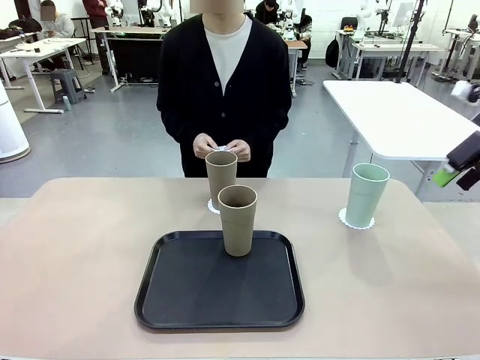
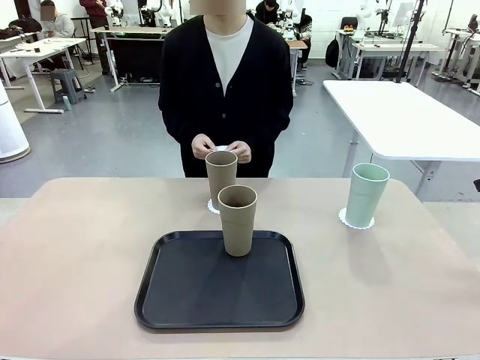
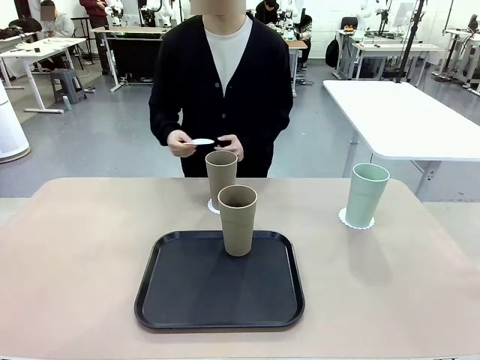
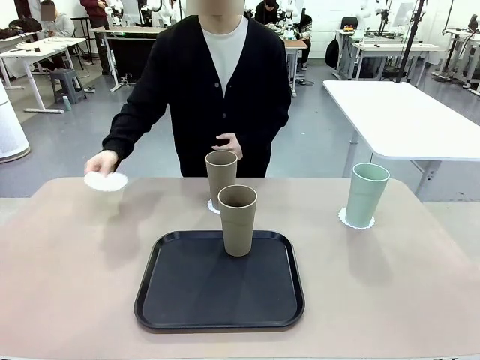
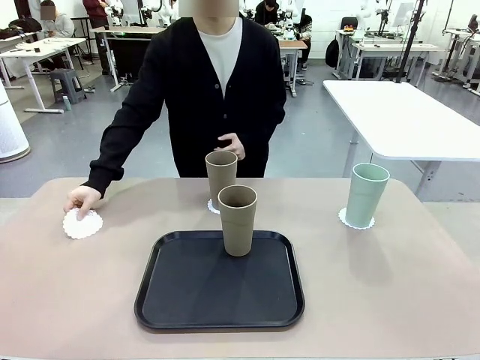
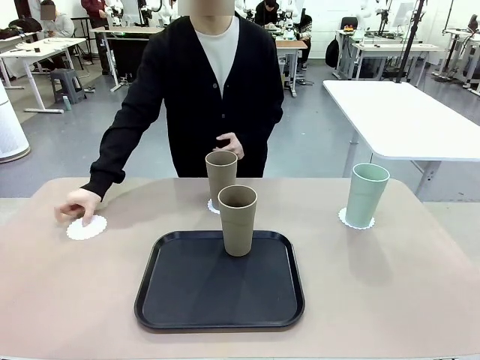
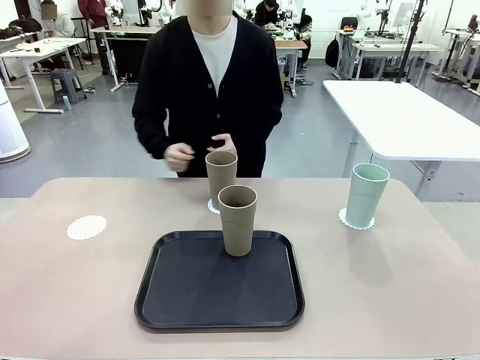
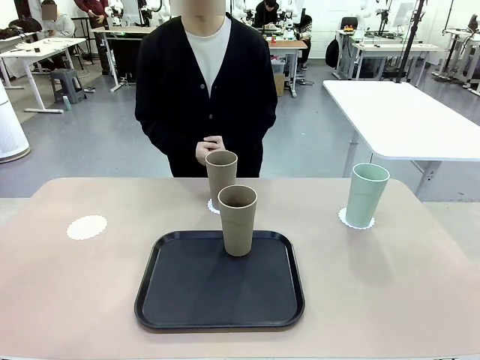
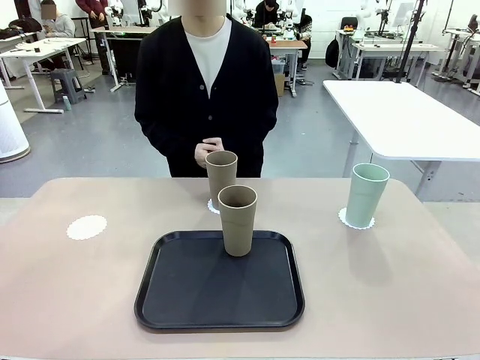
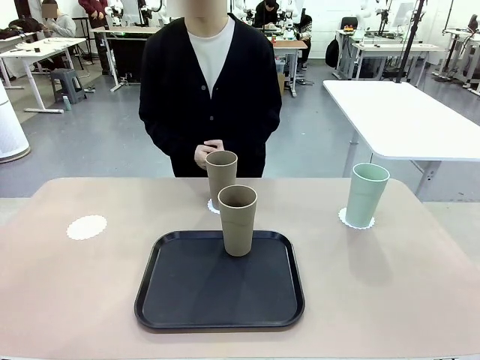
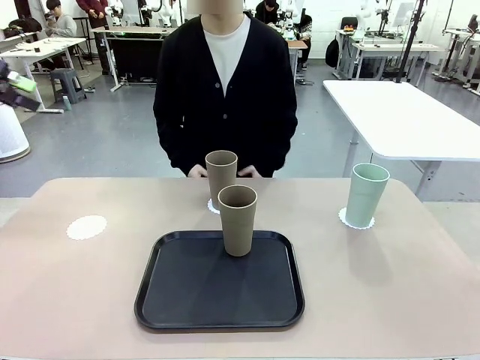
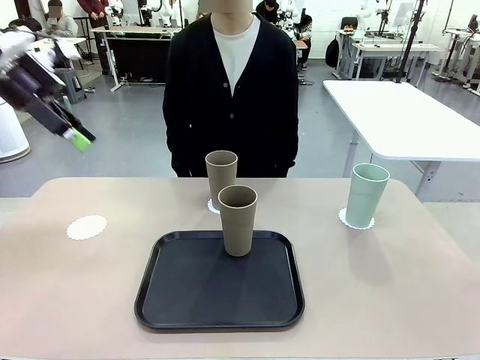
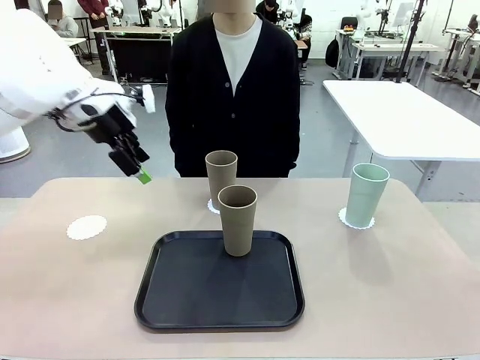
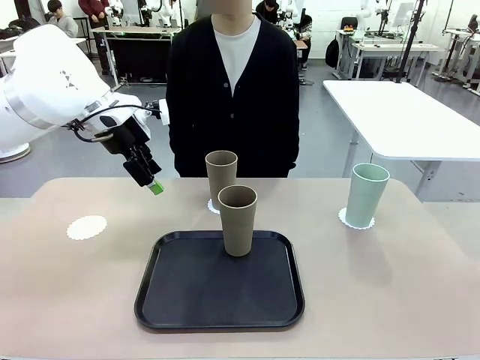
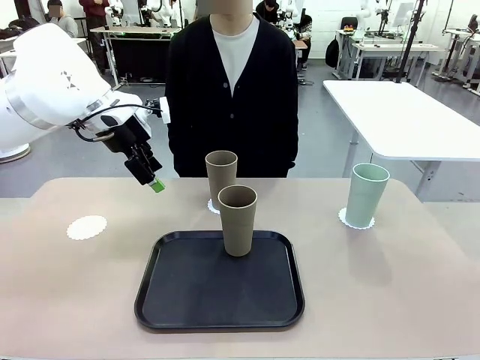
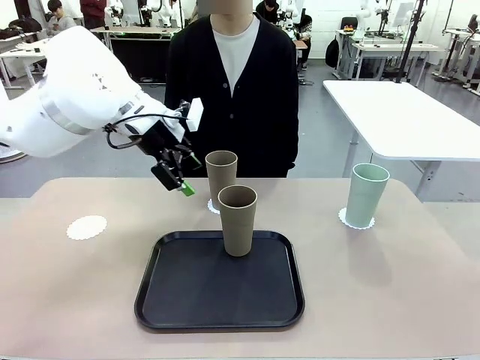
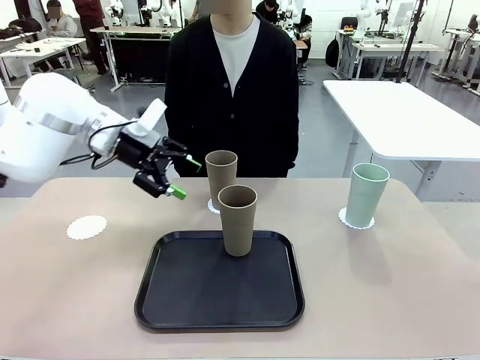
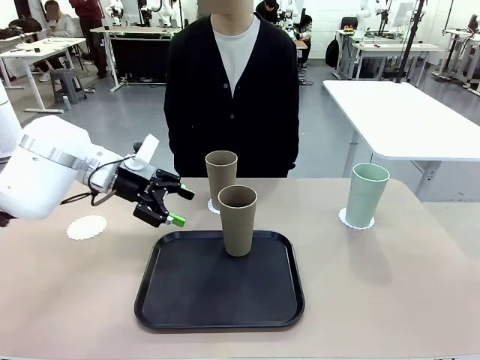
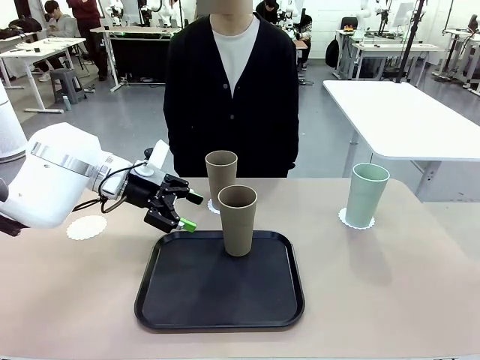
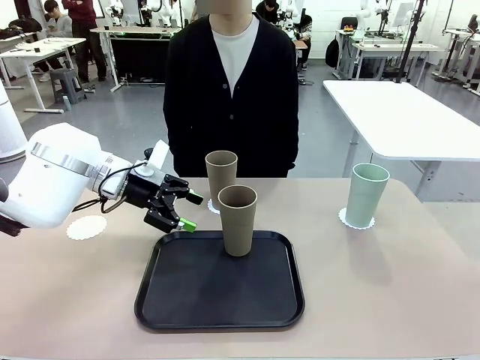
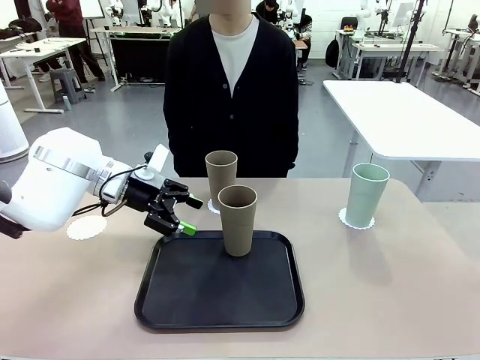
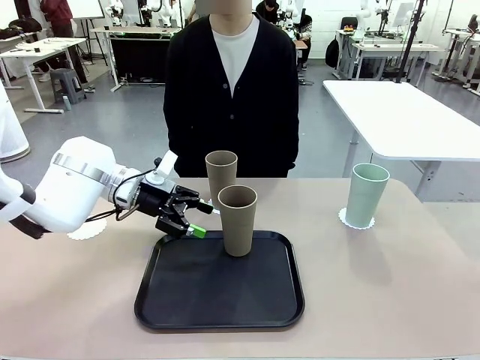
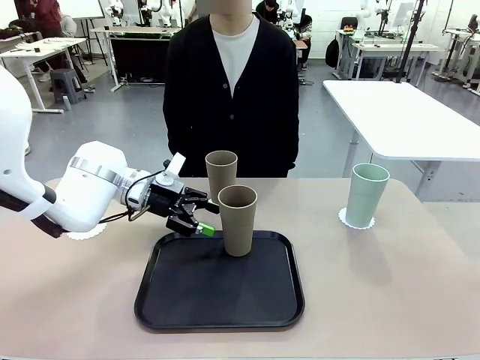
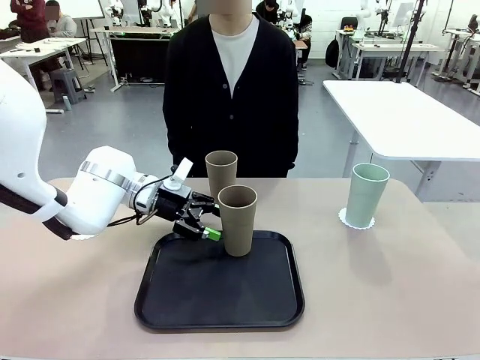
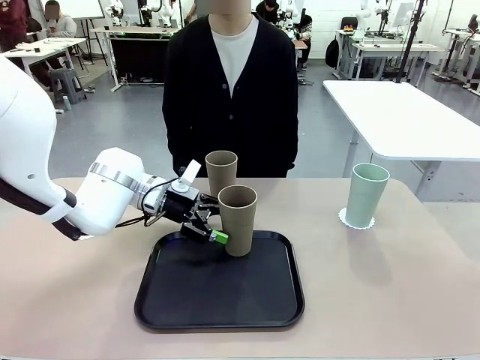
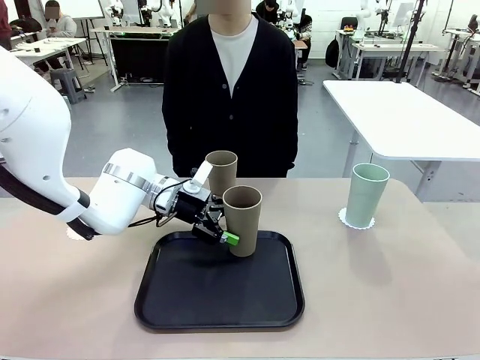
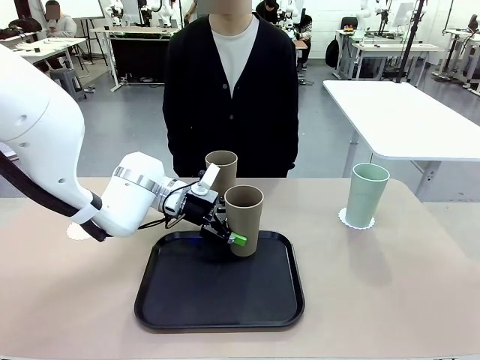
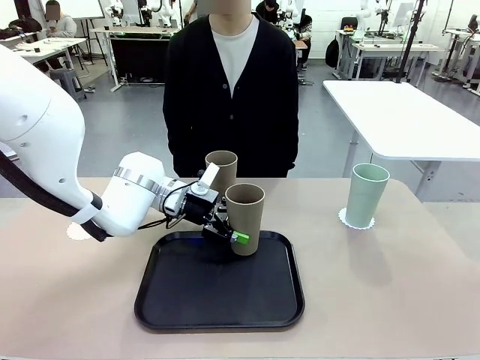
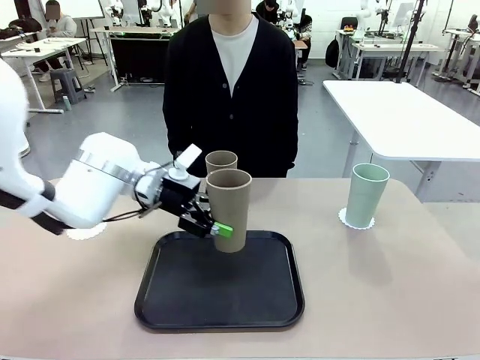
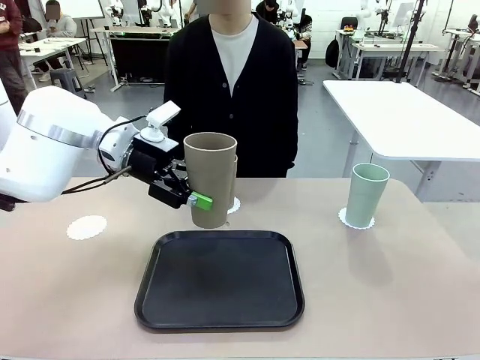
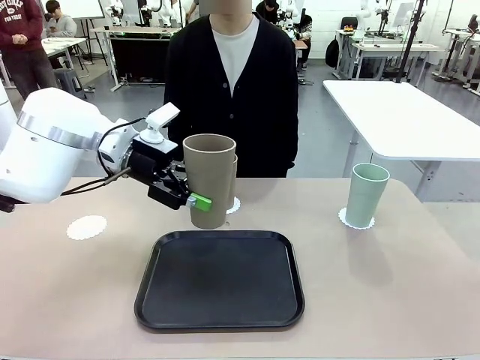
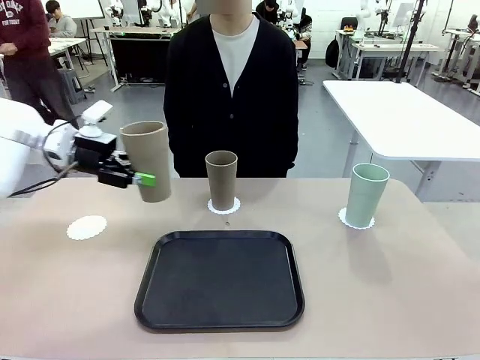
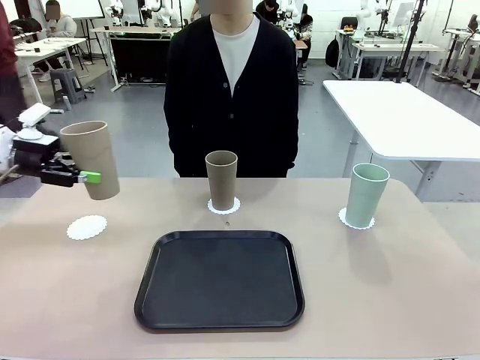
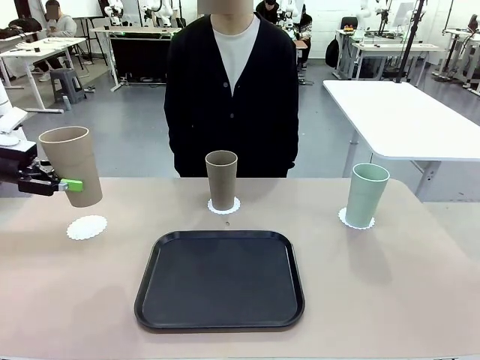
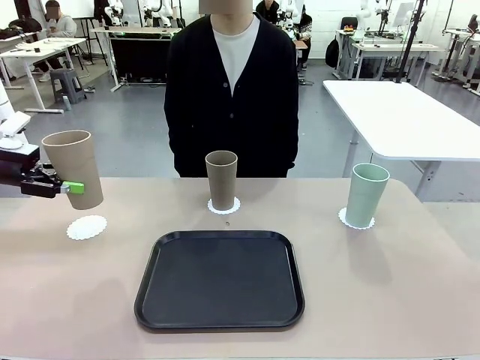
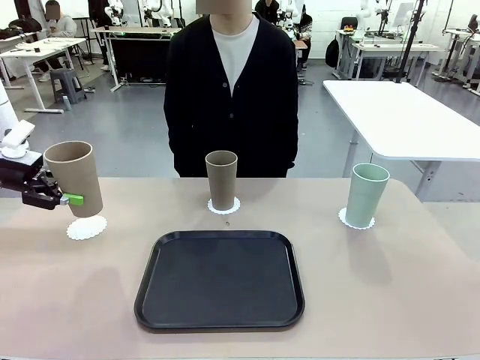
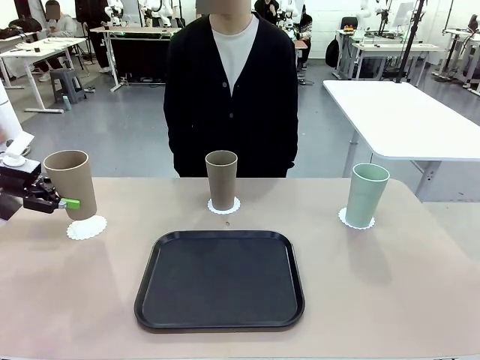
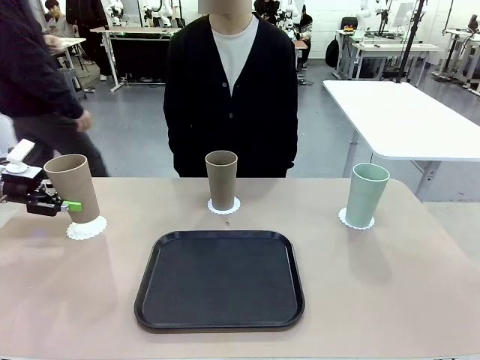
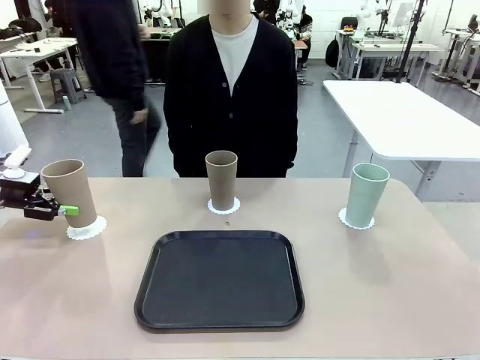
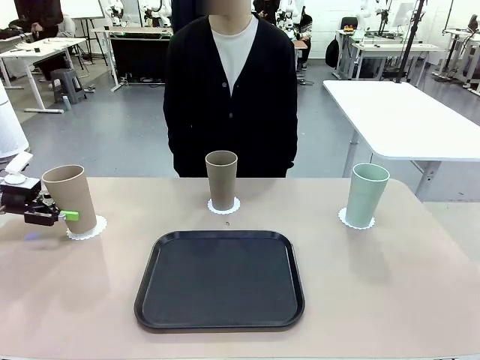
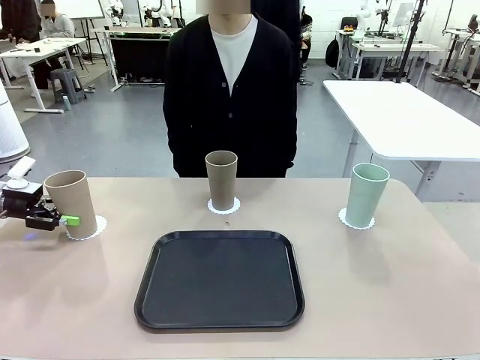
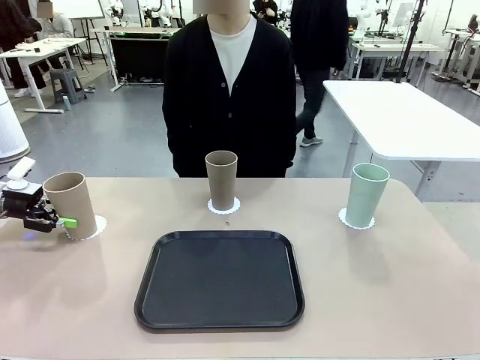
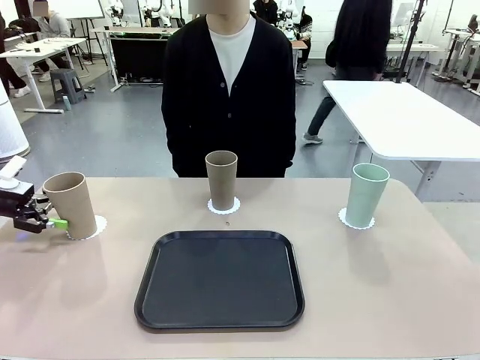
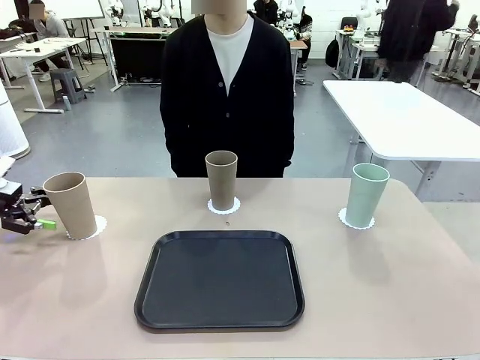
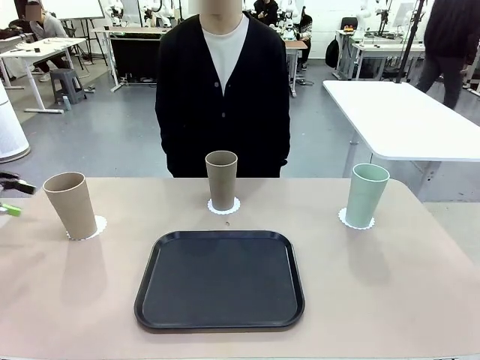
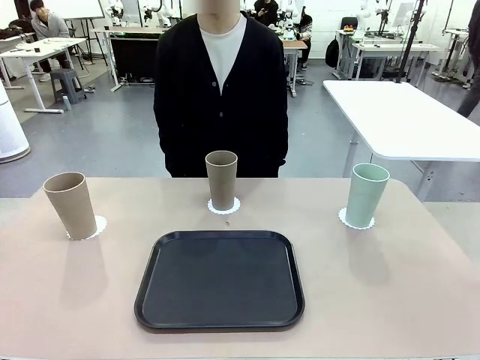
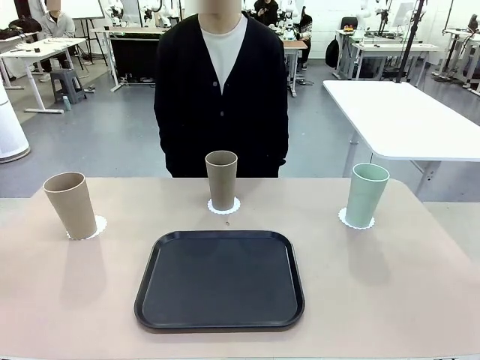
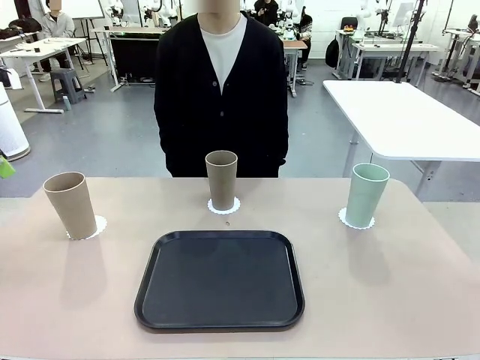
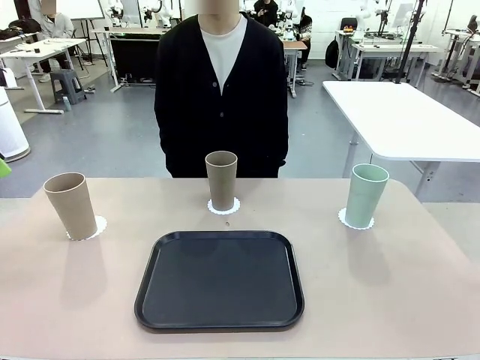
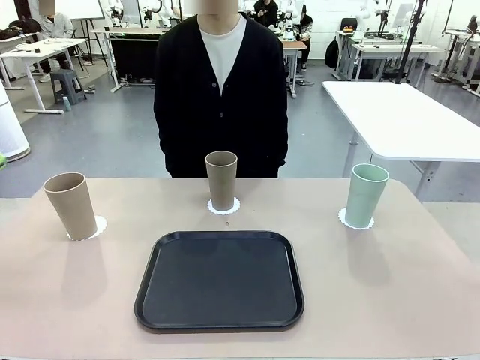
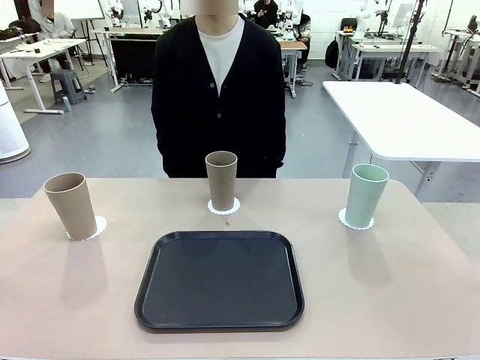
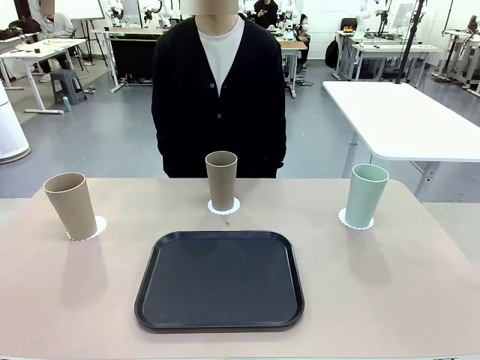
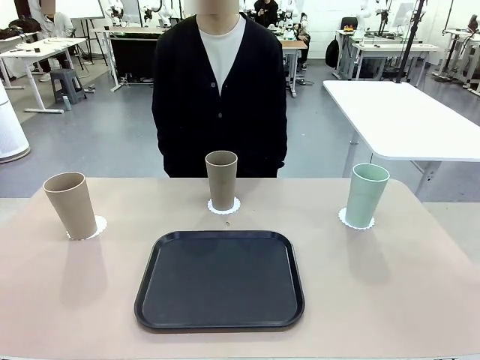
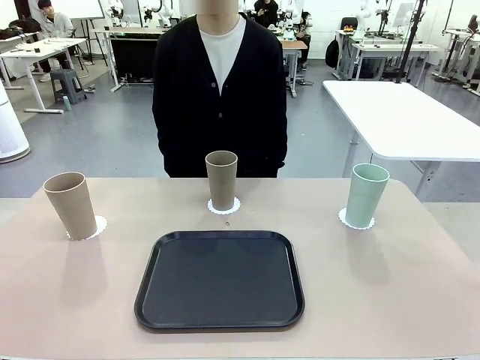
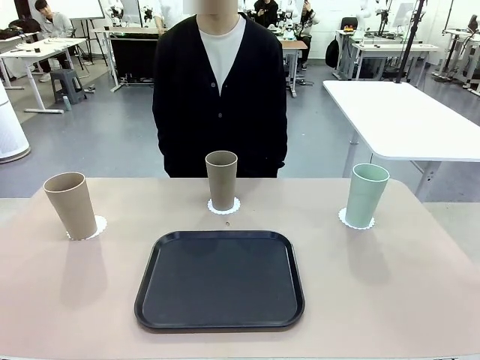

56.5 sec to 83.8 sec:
Task: Place coasters on the table and set cups on them.
Robot: Take one Reusable plastic cup from the Flat Tray and place it on a coaster set by the human.
Person: Place one coaster in the only remaining area.
